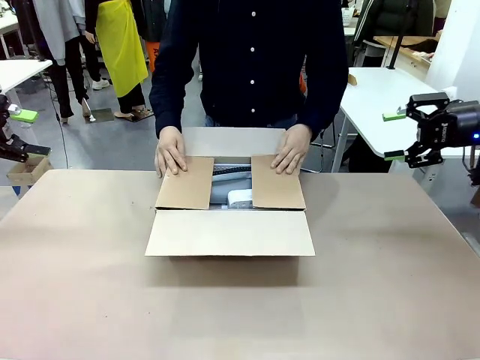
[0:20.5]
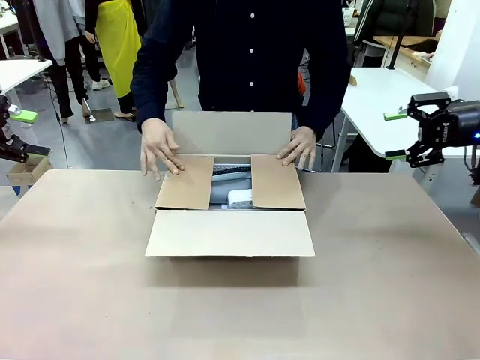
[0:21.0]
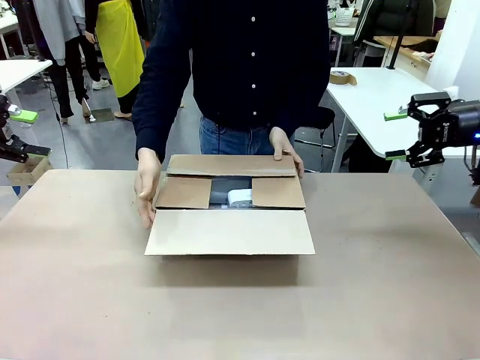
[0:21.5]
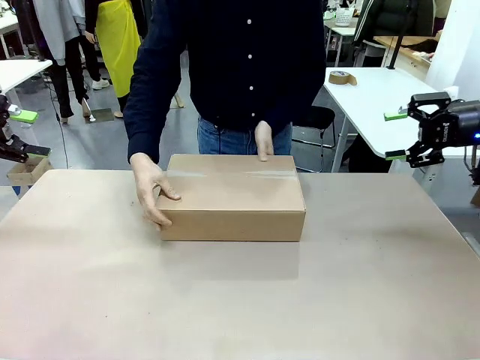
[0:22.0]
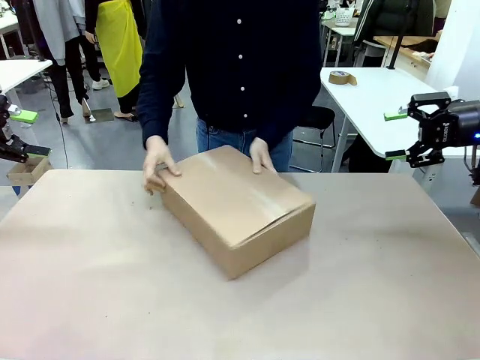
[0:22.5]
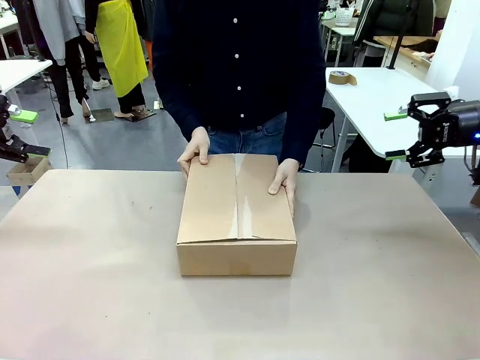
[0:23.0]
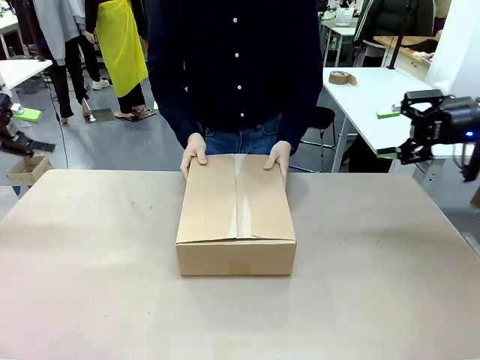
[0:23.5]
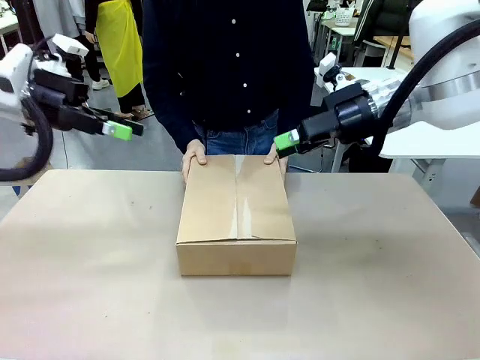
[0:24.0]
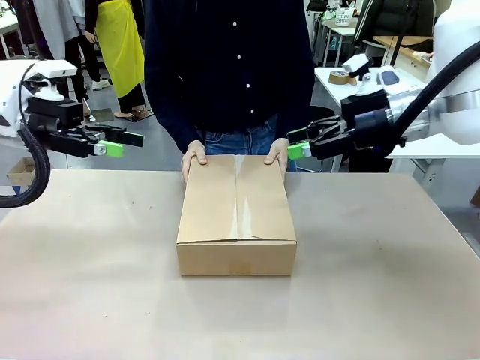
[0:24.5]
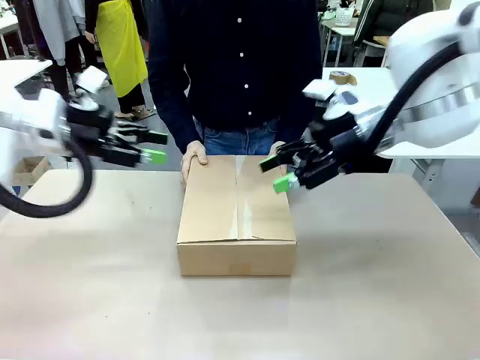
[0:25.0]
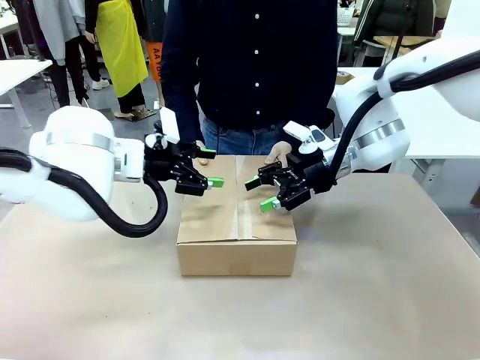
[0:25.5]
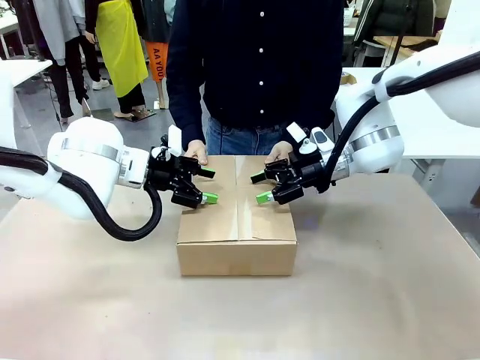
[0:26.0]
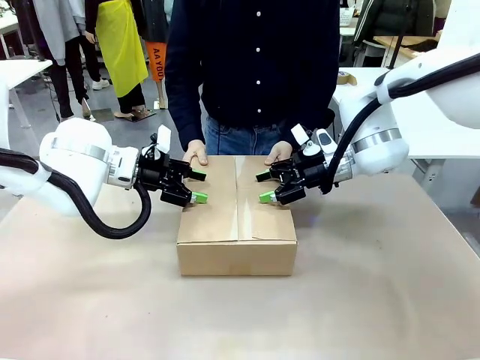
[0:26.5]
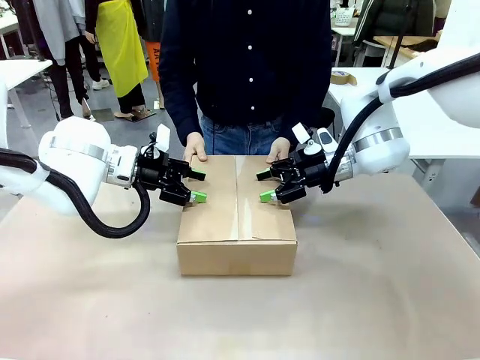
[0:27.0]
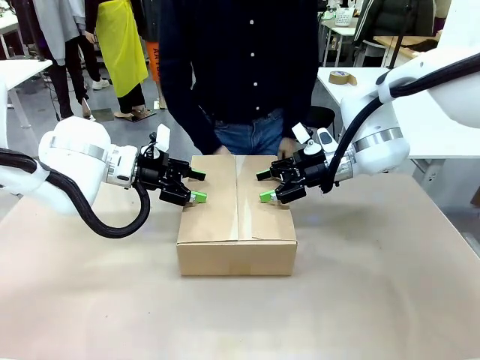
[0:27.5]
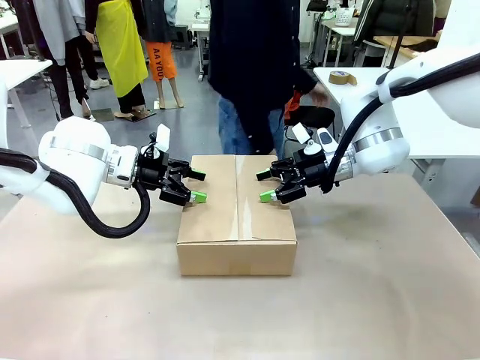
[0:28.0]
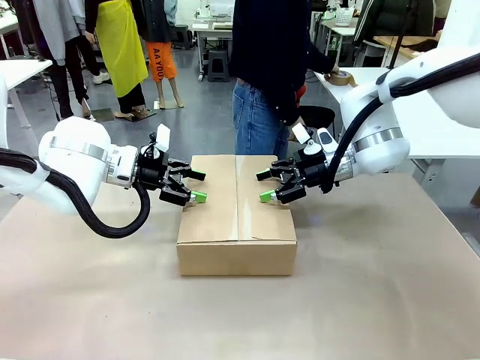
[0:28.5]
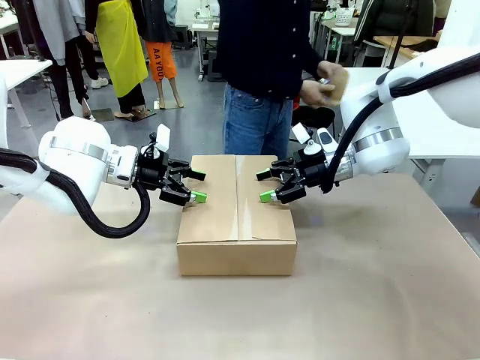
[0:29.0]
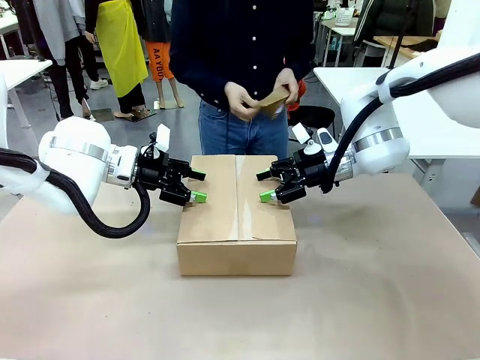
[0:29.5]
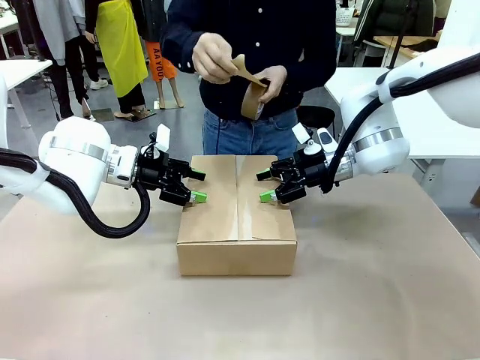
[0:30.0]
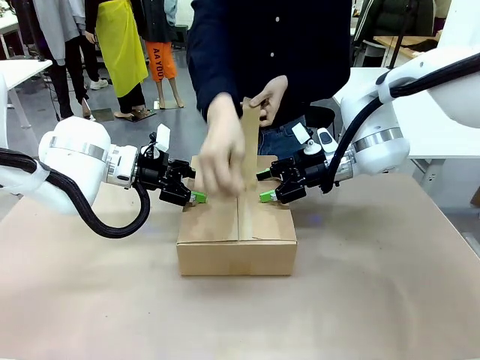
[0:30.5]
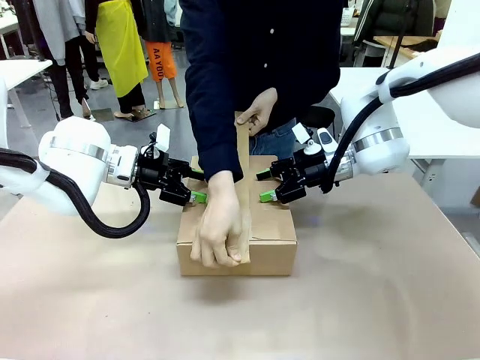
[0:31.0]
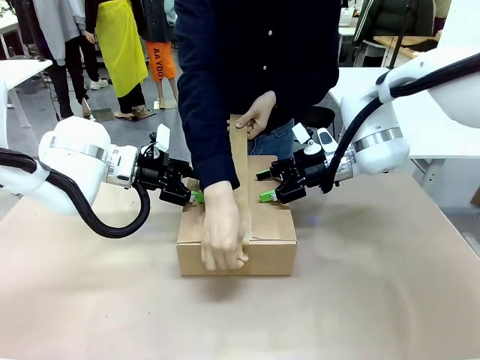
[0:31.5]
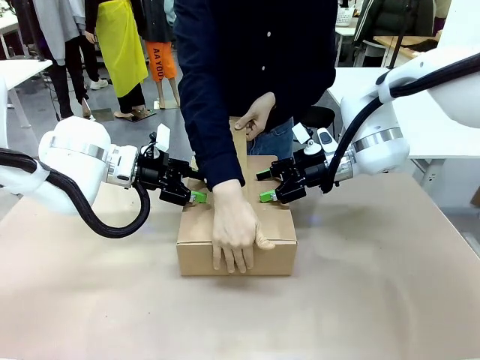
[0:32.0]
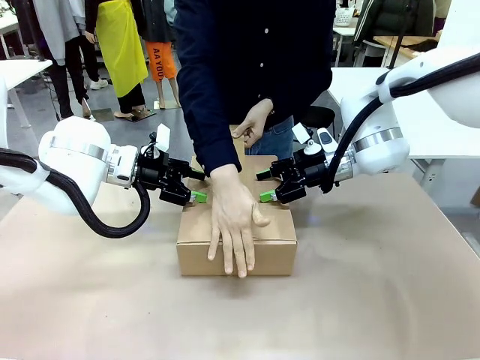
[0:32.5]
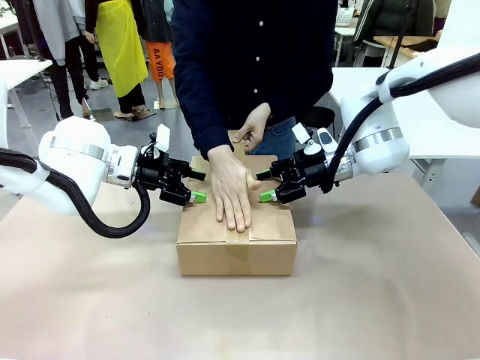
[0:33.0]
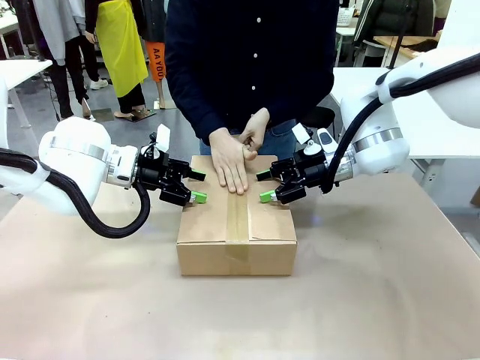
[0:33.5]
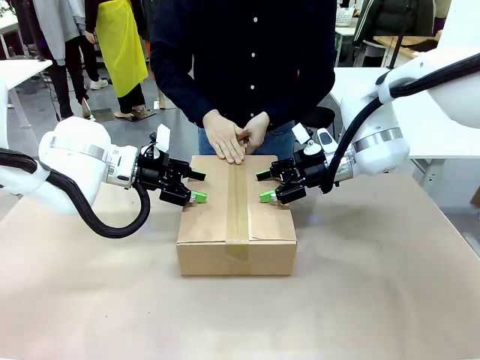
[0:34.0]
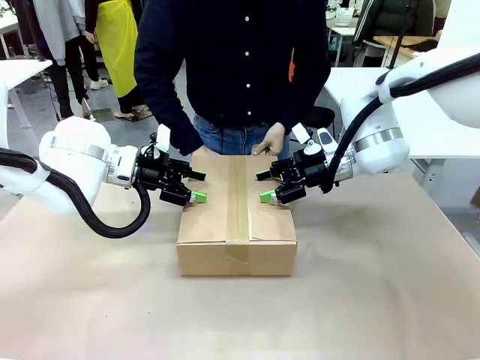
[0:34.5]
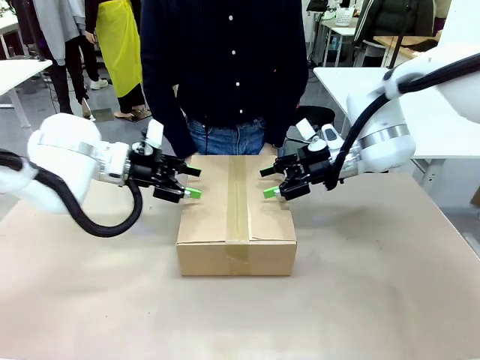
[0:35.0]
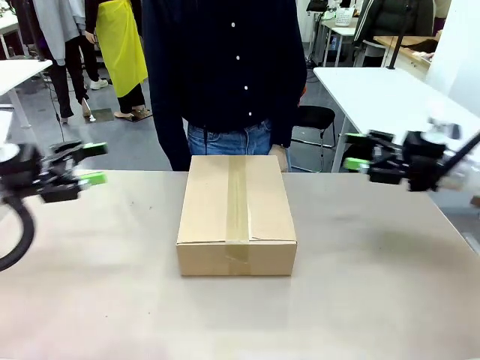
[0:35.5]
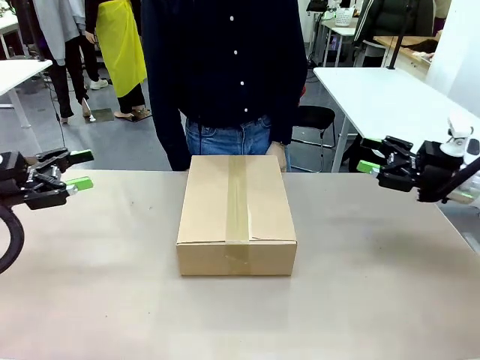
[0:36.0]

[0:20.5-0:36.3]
Task: Pack the gift set into the box.
Robot: Press and hold the closed box until the human finishes sealing it.
Person: The human closes the box and rotates the box by 90 degrees. The human picks up the paper tape from the human table and packs the box.

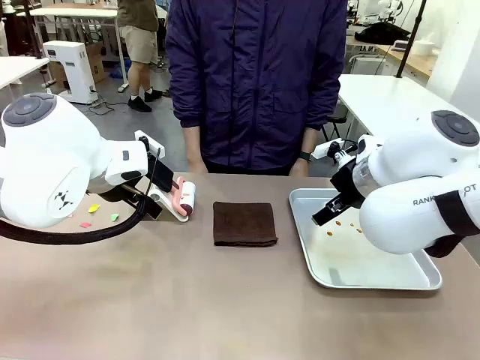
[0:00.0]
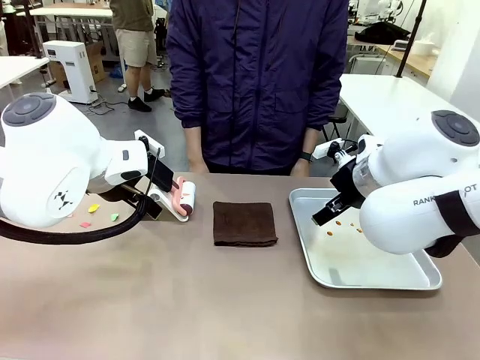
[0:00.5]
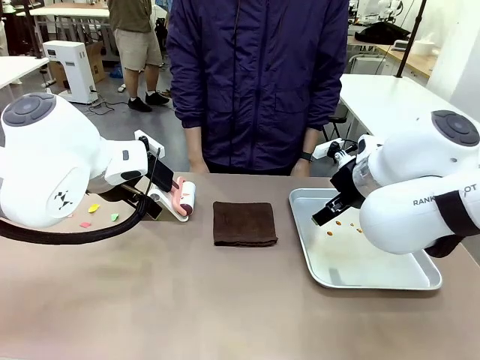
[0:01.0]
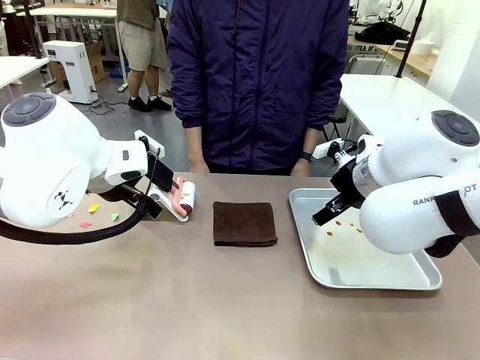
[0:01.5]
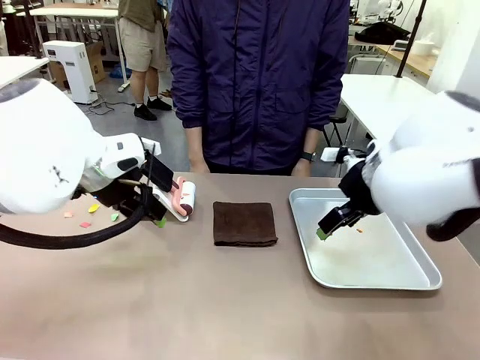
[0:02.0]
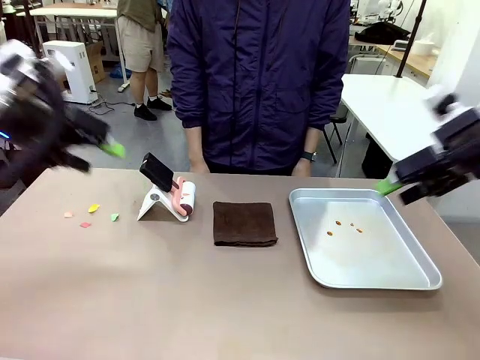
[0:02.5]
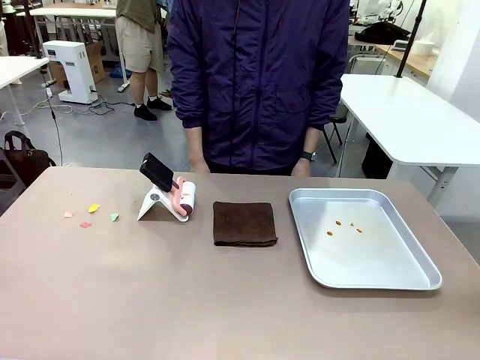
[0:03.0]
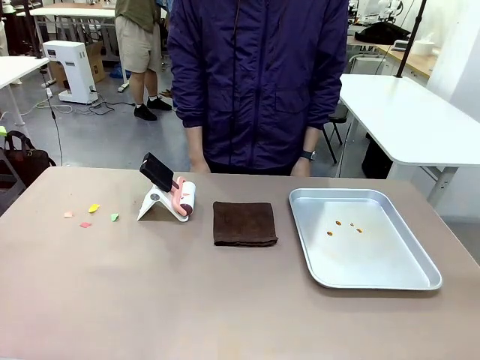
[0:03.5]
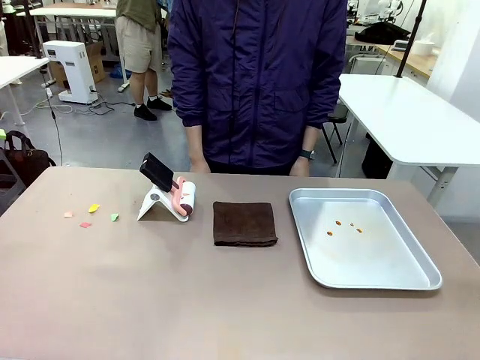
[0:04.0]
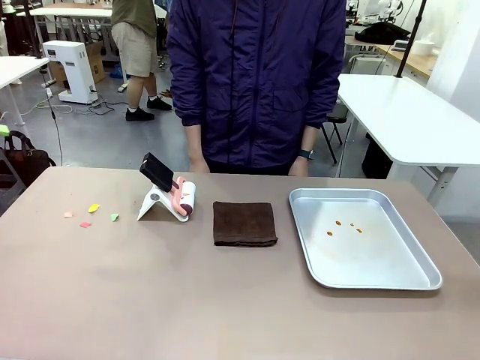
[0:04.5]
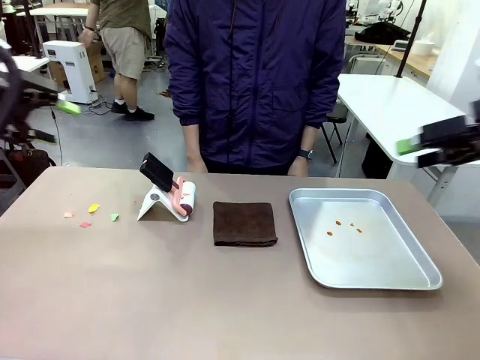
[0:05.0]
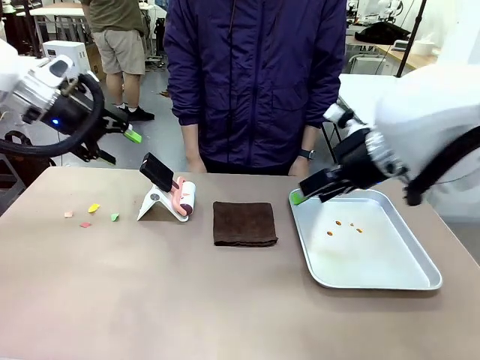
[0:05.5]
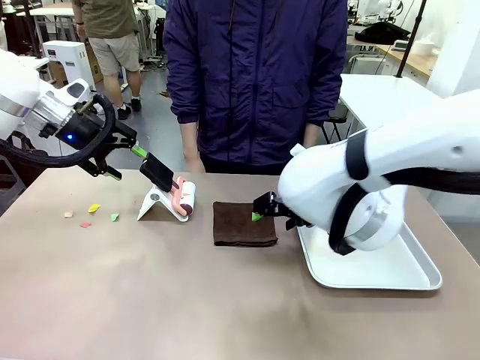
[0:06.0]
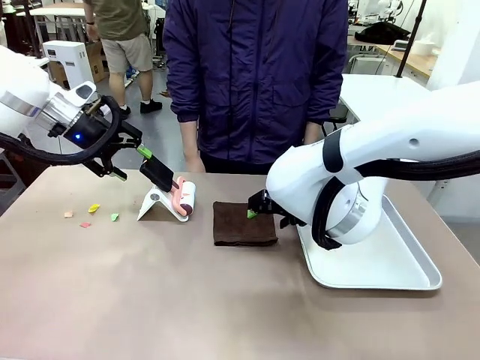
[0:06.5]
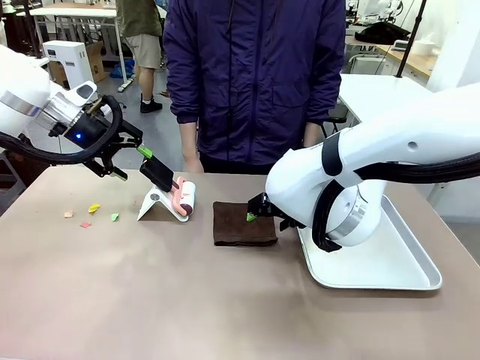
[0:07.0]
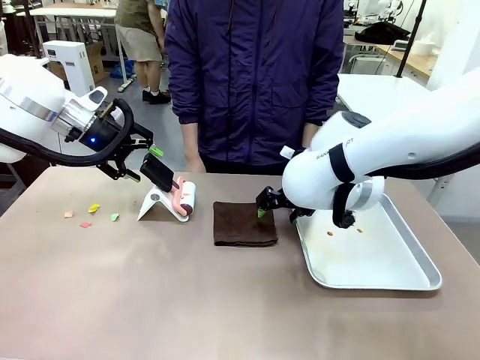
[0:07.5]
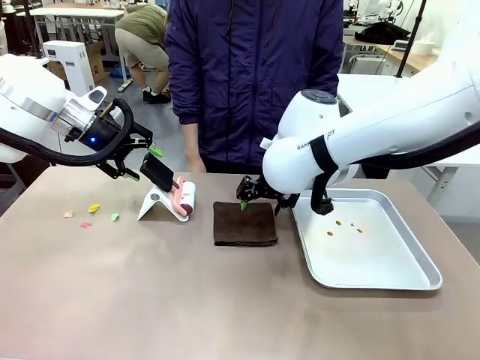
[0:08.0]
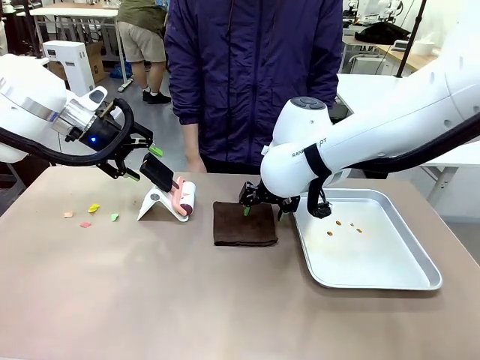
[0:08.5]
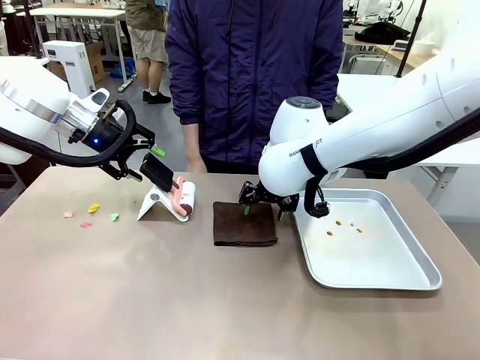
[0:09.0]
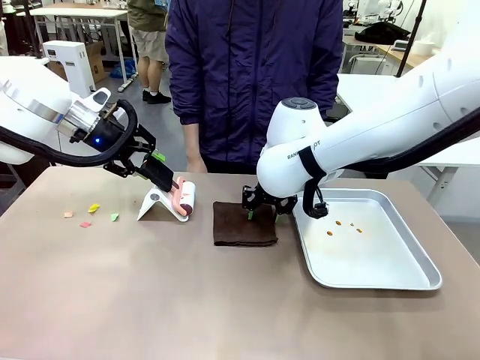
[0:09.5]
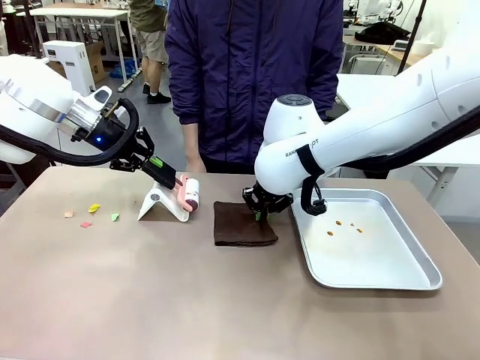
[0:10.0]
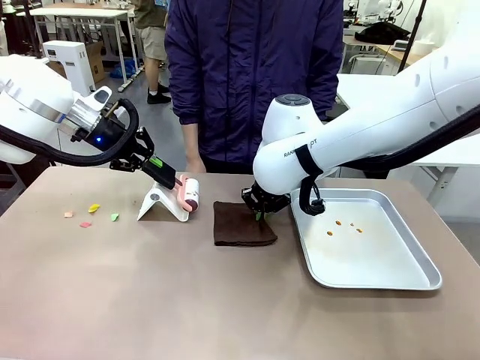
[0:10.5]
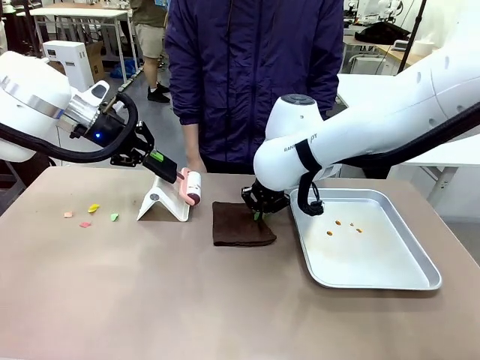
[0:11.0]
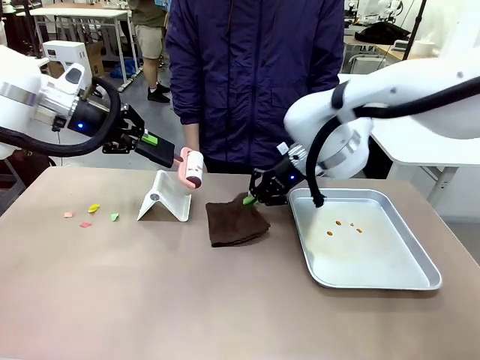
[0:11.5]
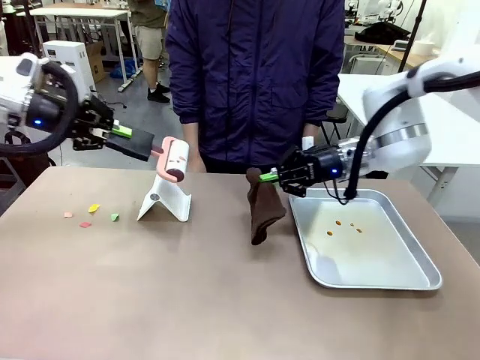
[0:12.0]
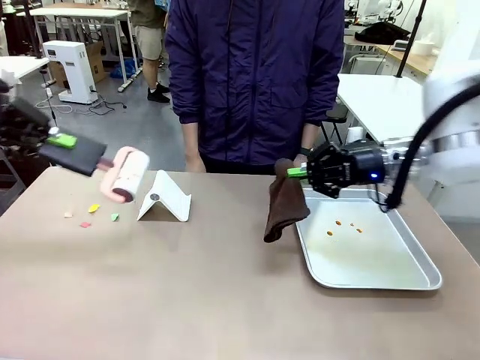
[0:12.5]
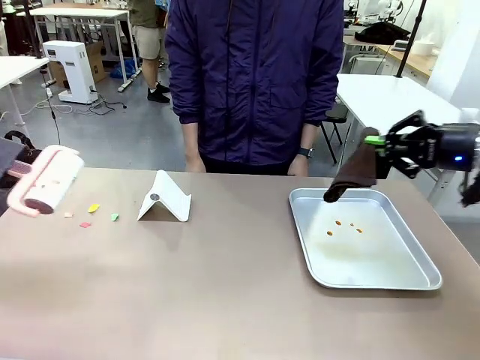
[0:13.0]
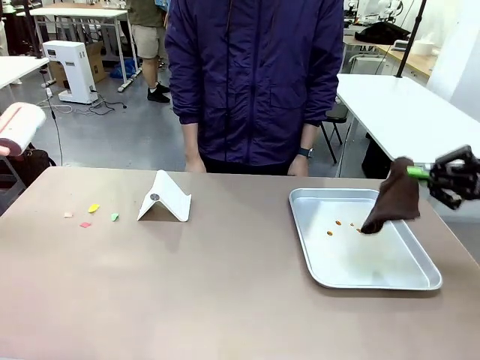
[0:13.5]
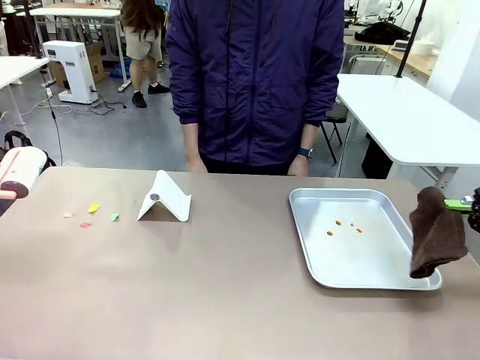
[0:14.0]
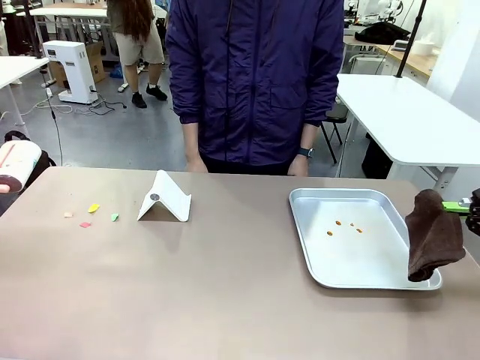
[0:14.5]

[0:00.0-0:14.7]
Task: Clean the surface of the table.
Robot: Hold the Lint Roller with your left hand and the towel with your right hand.
